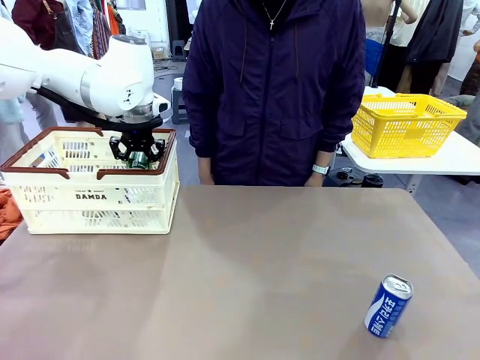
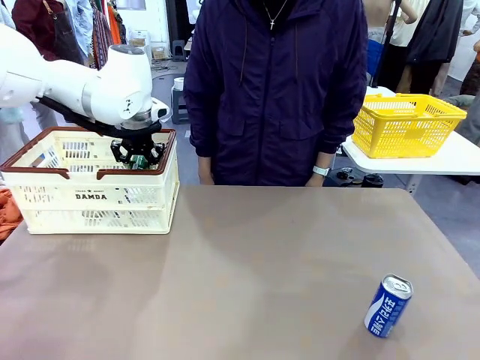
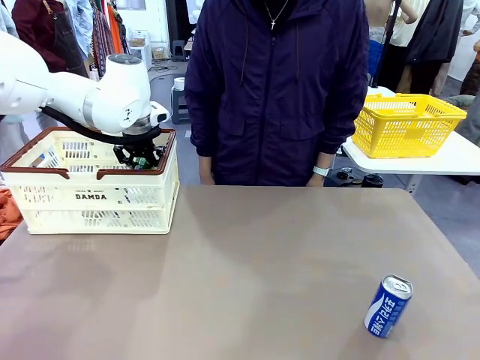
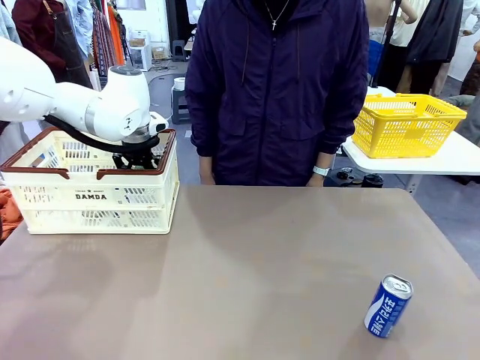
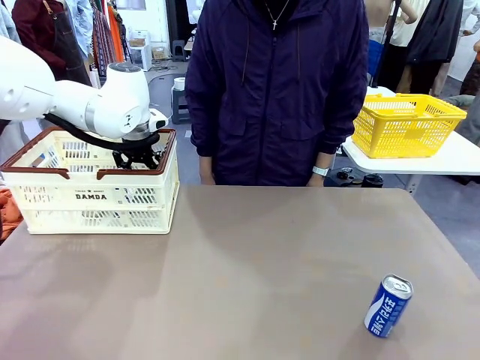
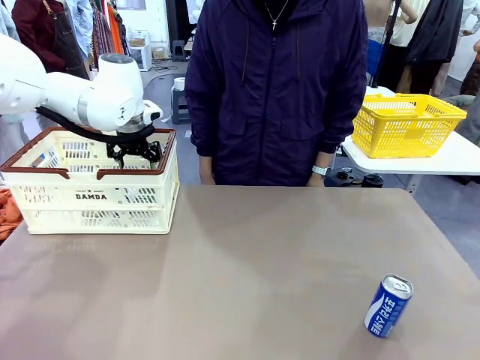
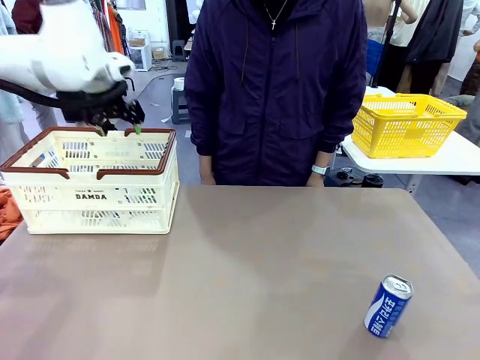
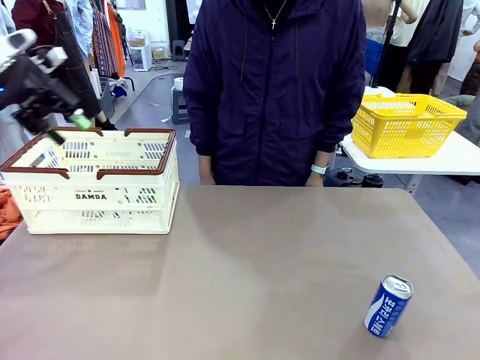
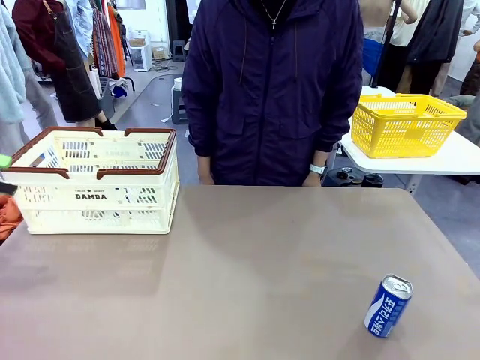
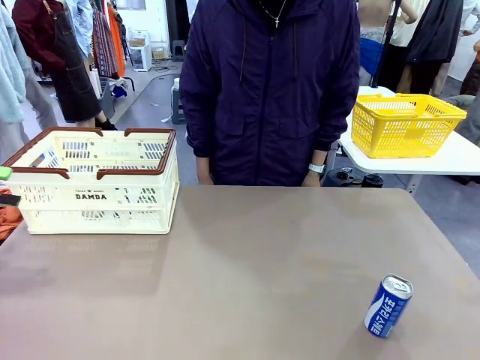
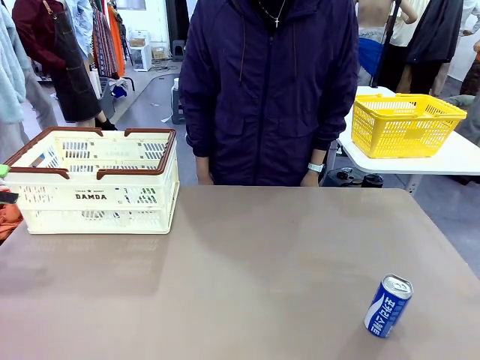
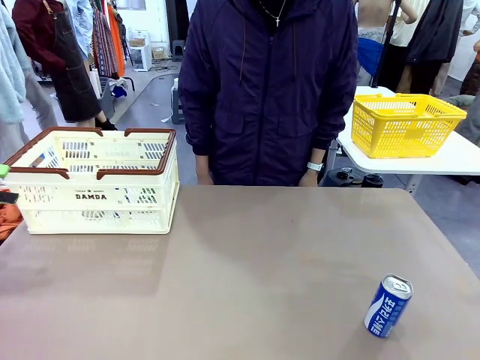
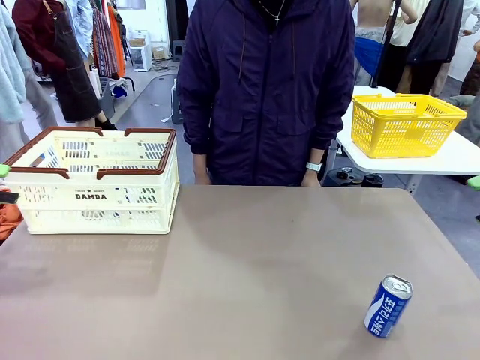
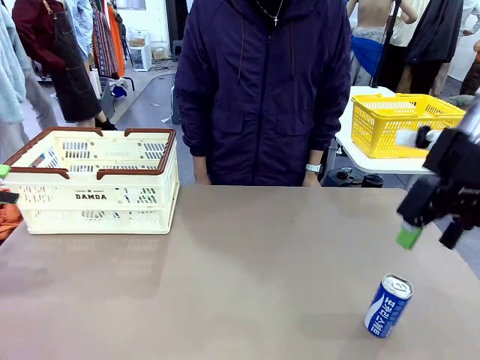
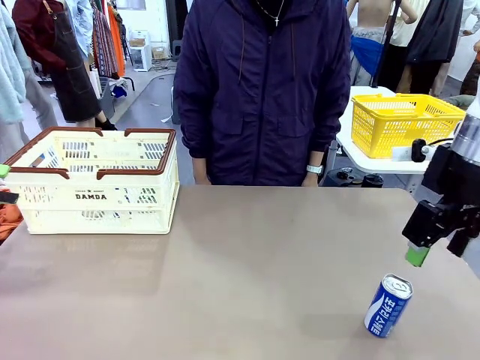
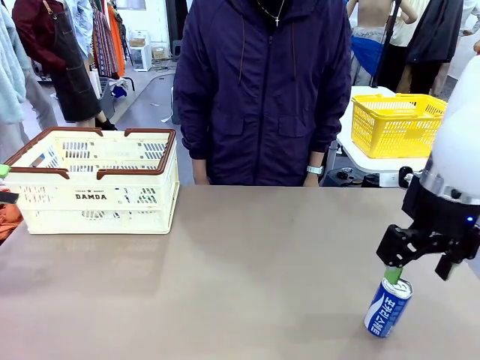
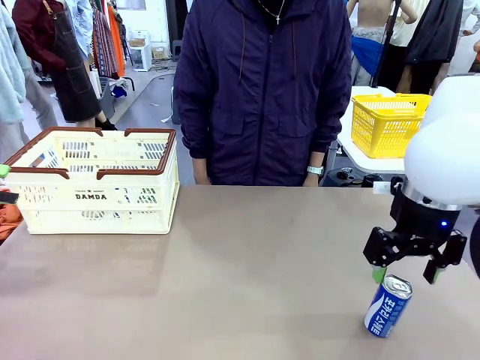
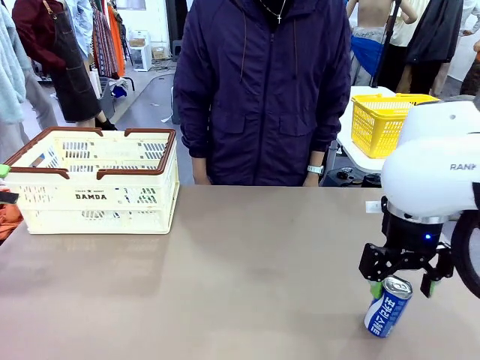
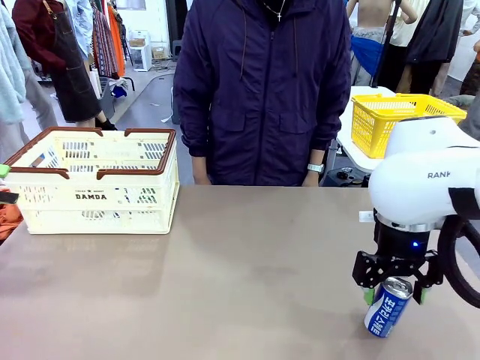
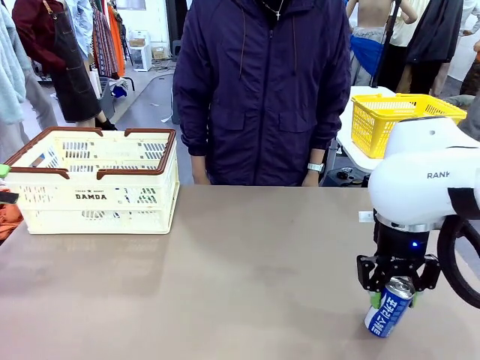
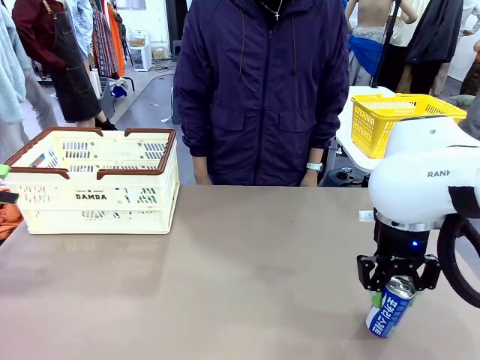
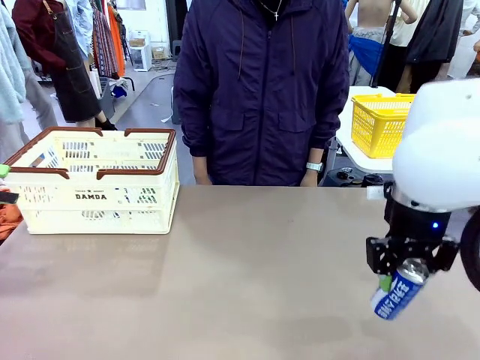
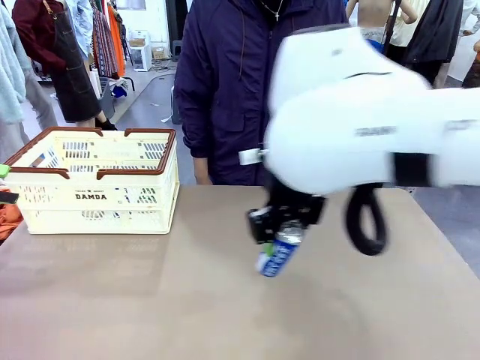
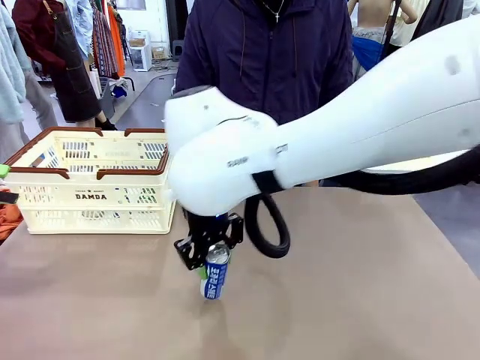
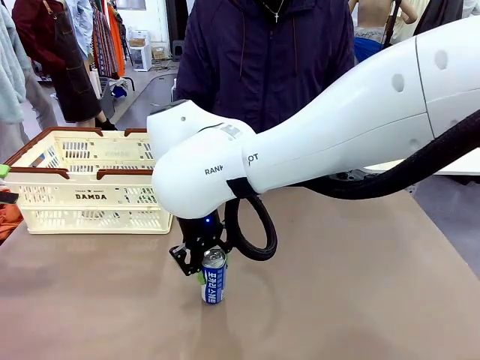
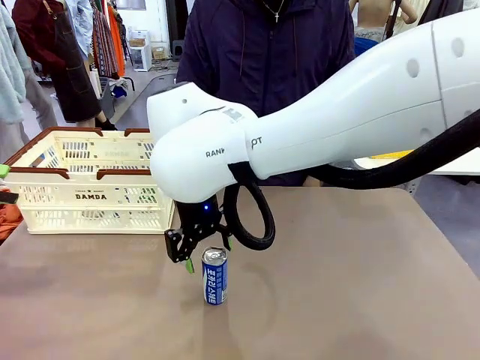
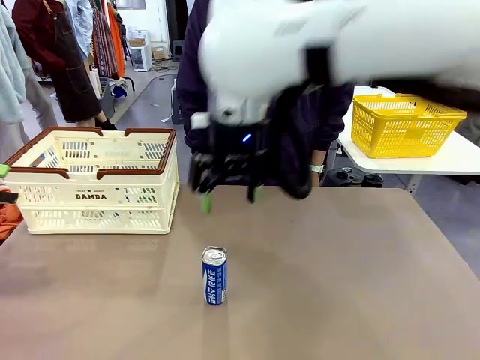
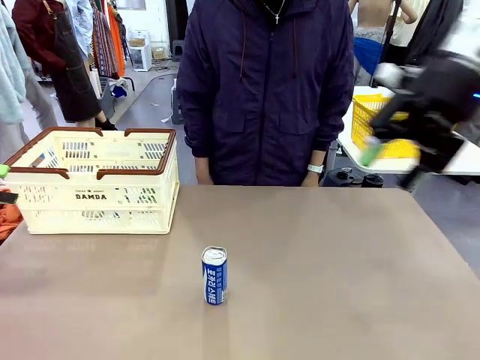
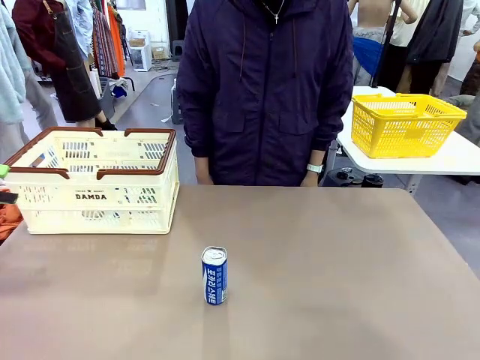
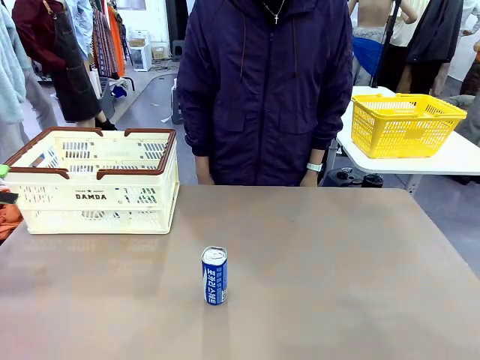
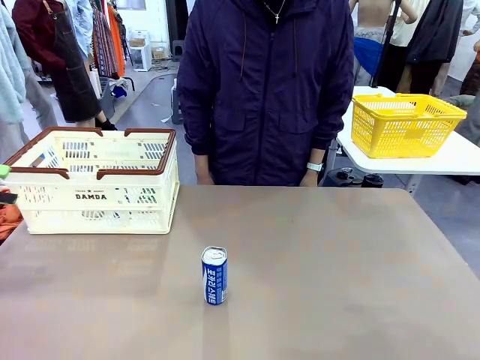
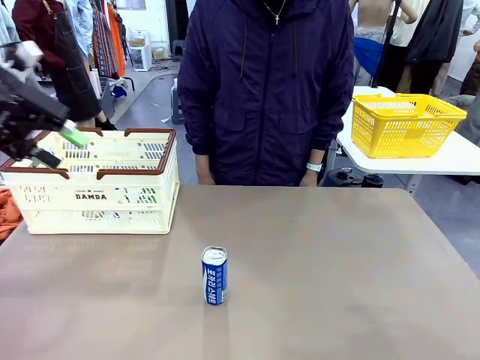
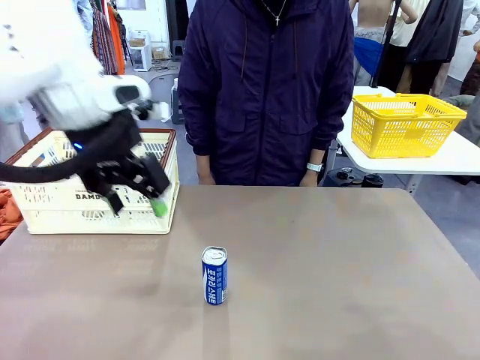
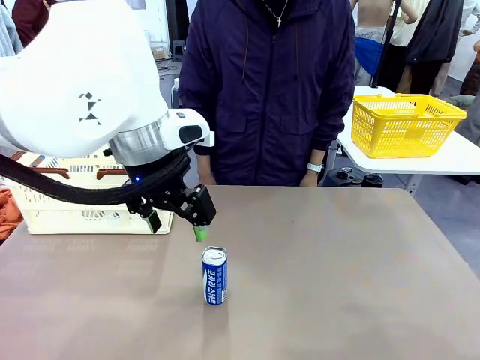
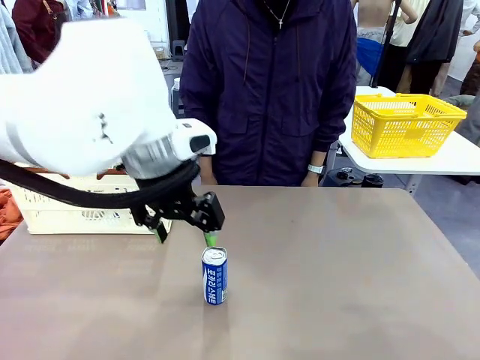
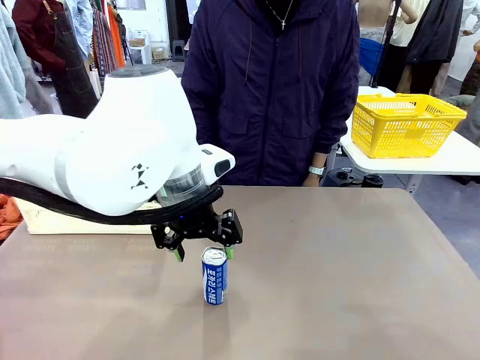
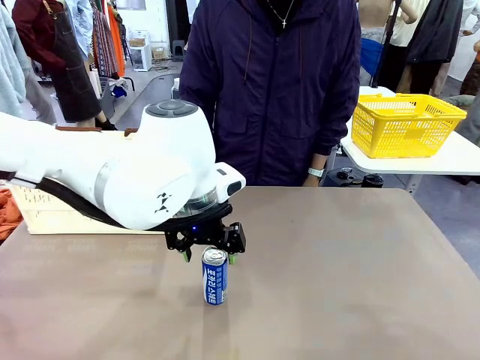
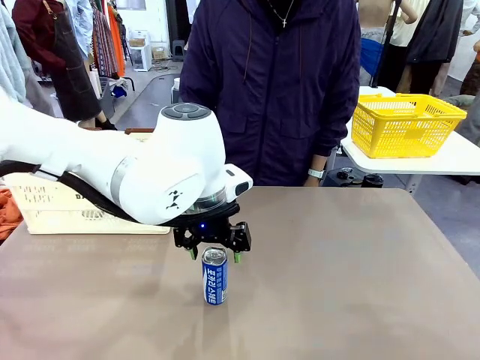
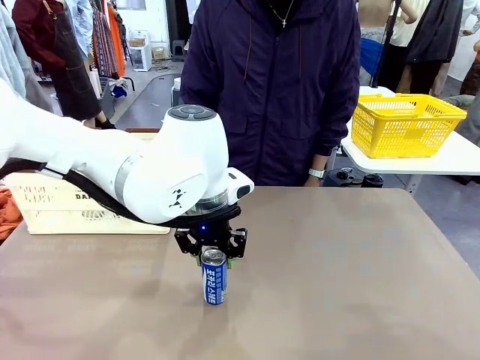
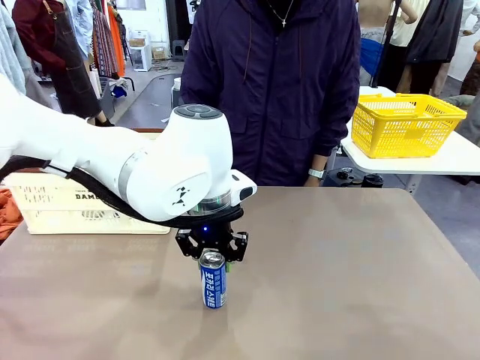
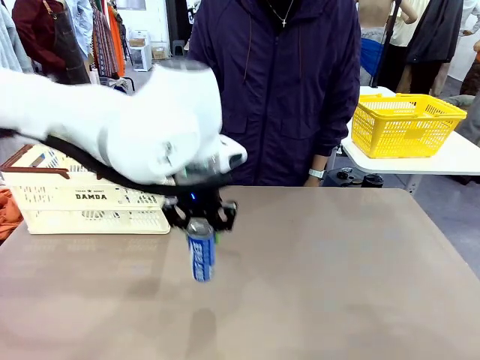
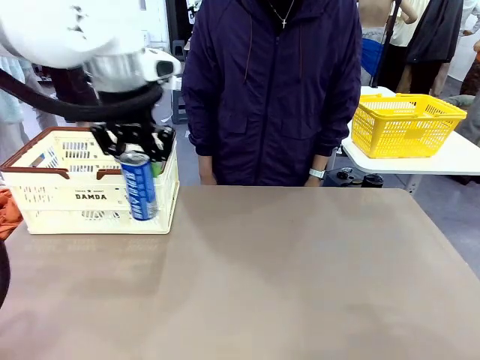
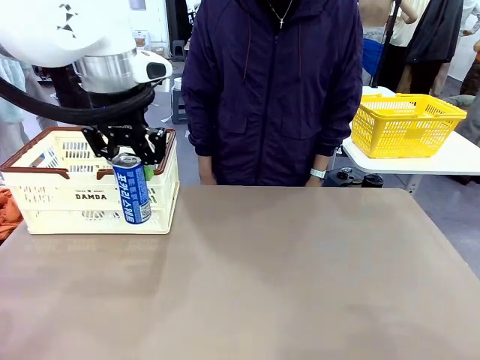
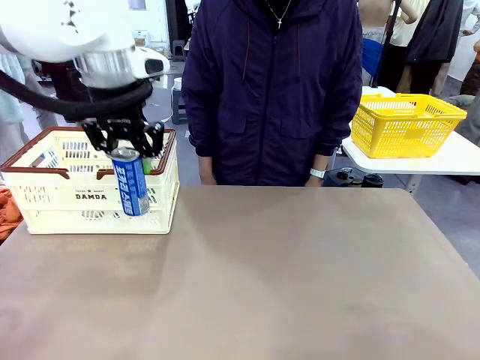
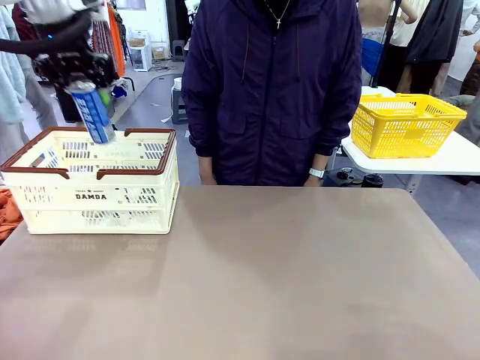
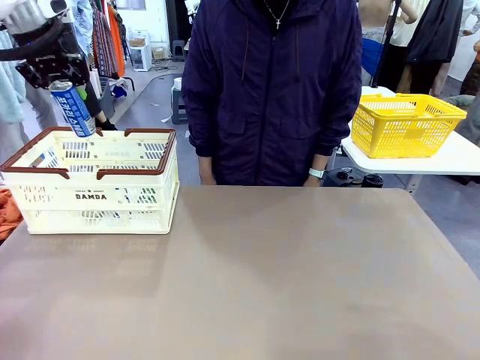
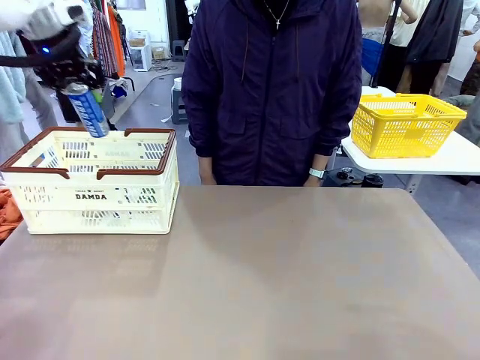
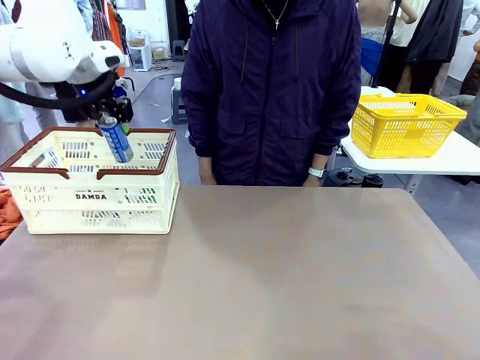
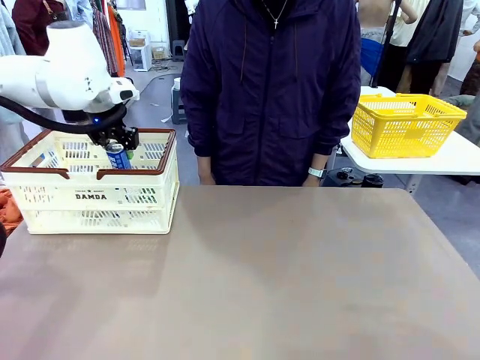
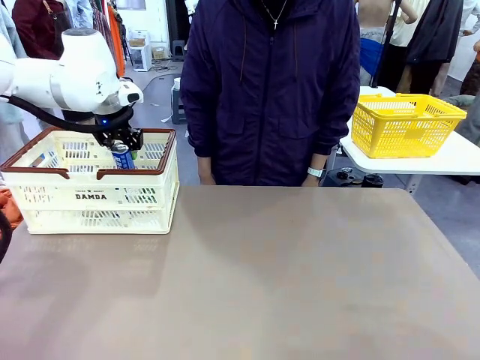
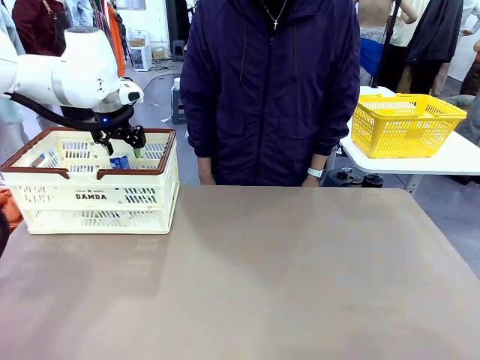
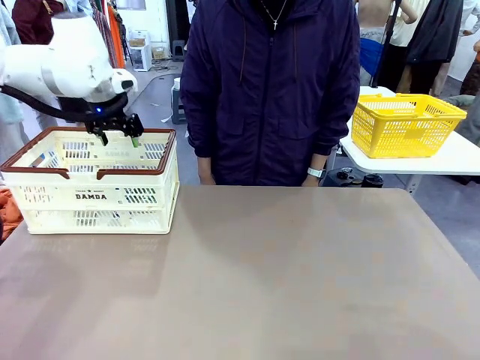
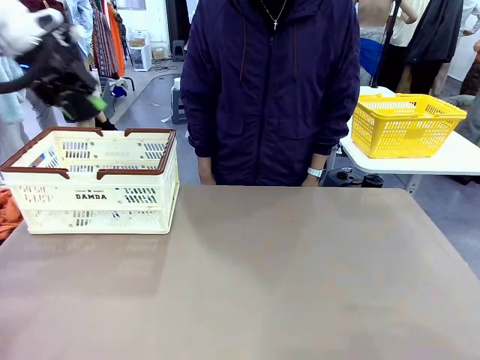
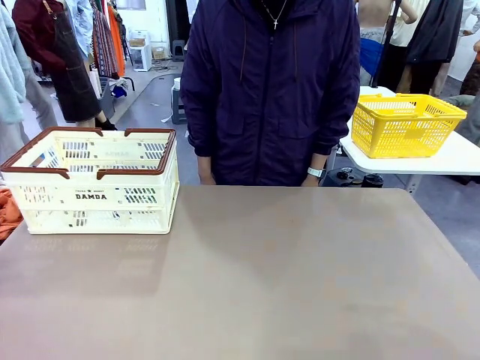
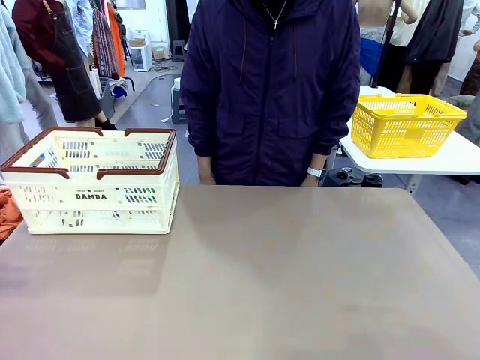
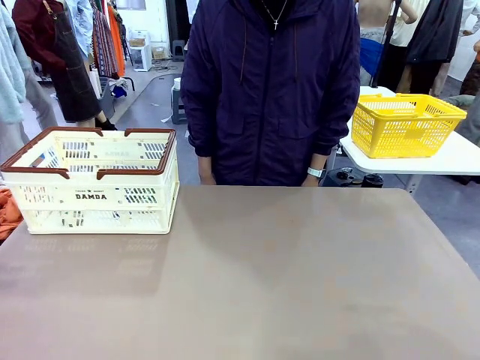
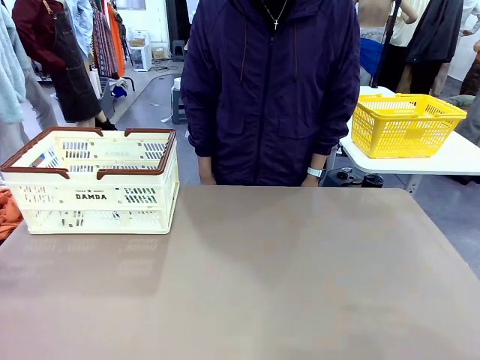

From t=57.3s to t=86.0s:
Task: Place the drinks into the Shopping basket.
Robot: Pick up one drink and place it into the Shopping basket.
